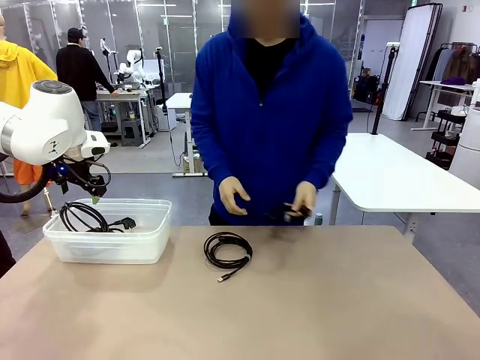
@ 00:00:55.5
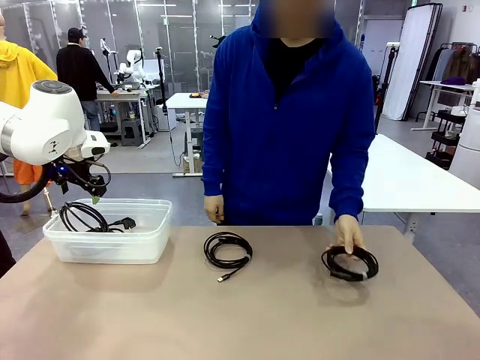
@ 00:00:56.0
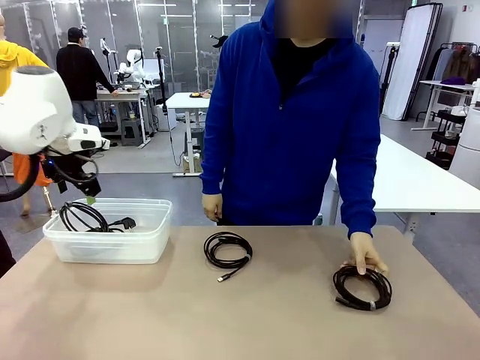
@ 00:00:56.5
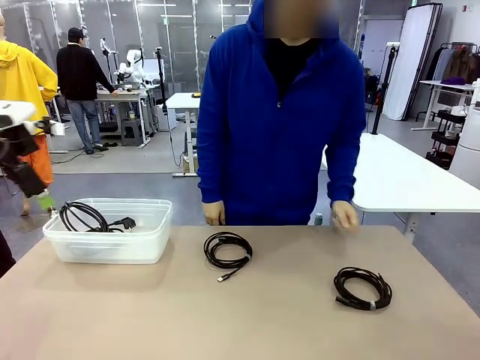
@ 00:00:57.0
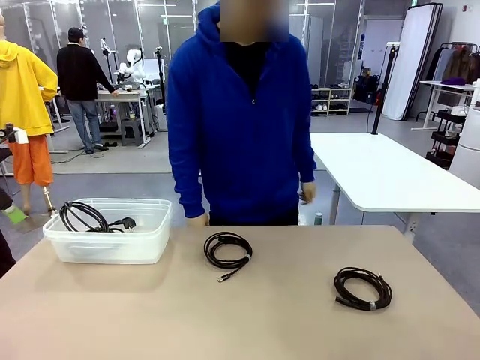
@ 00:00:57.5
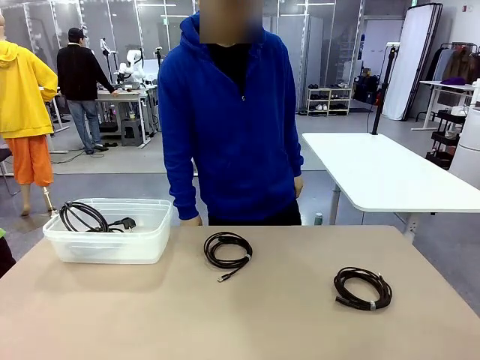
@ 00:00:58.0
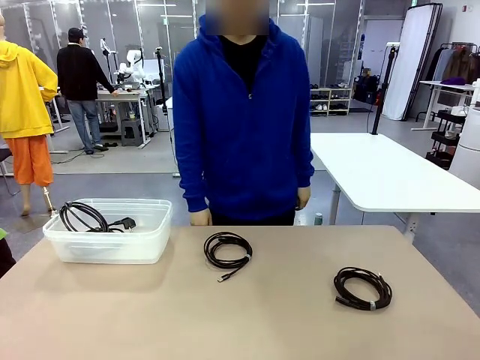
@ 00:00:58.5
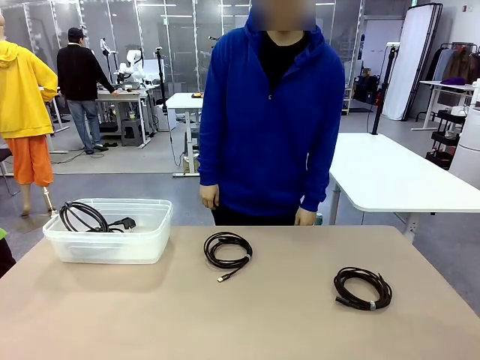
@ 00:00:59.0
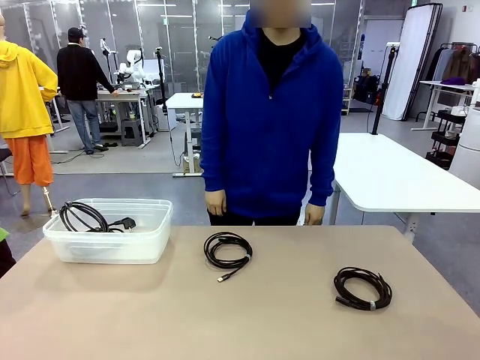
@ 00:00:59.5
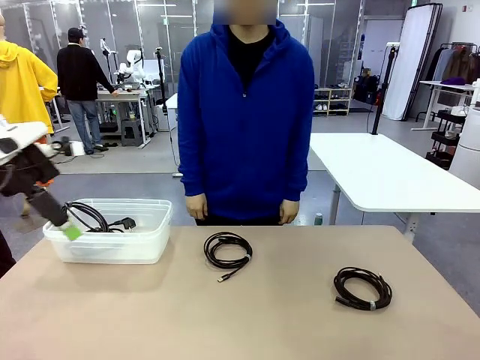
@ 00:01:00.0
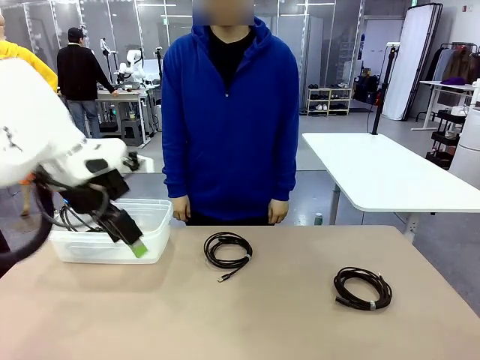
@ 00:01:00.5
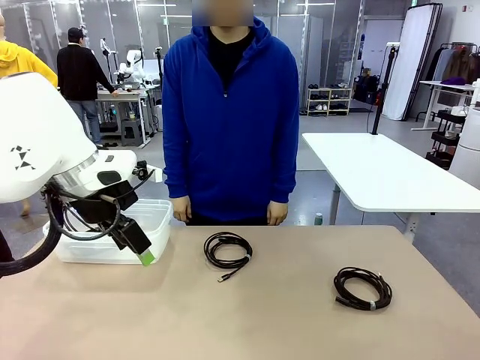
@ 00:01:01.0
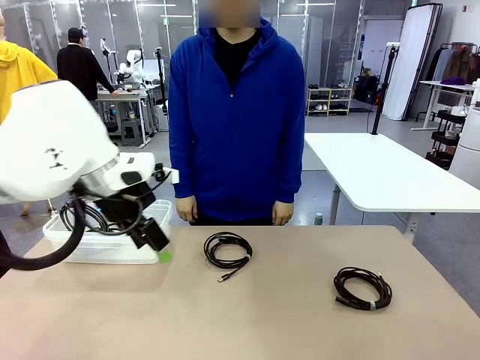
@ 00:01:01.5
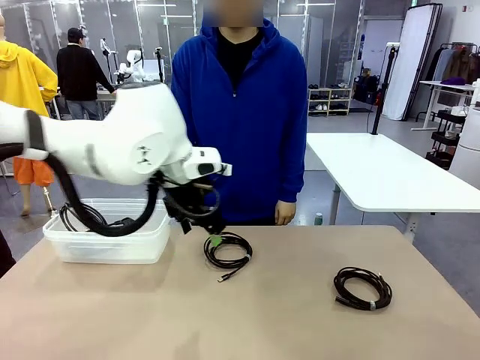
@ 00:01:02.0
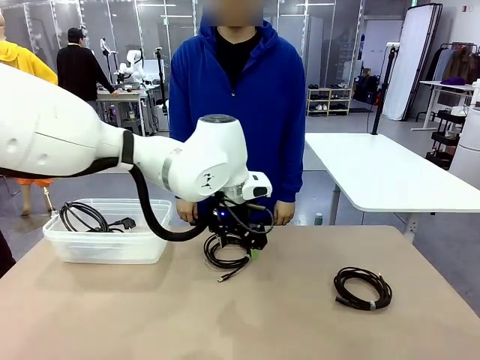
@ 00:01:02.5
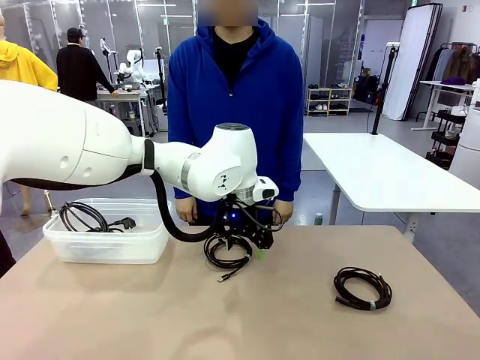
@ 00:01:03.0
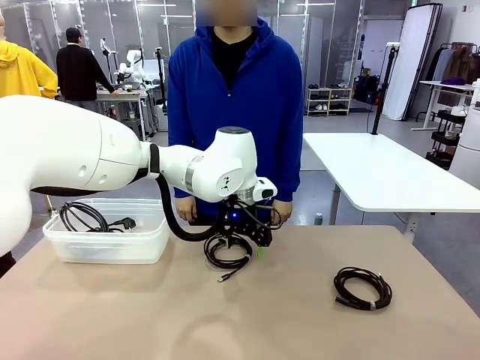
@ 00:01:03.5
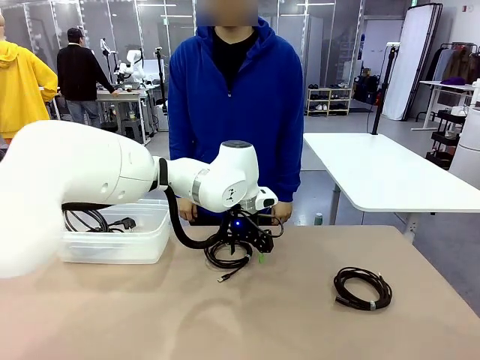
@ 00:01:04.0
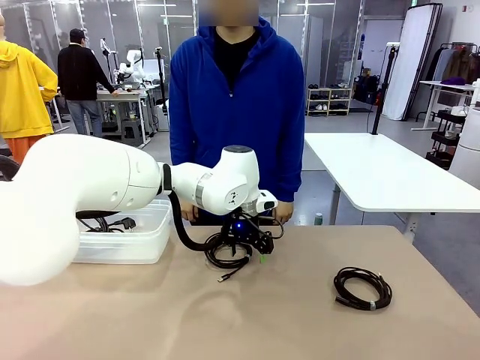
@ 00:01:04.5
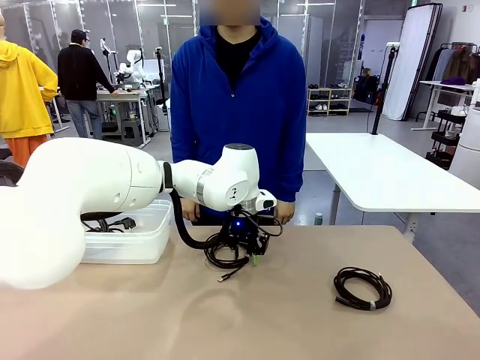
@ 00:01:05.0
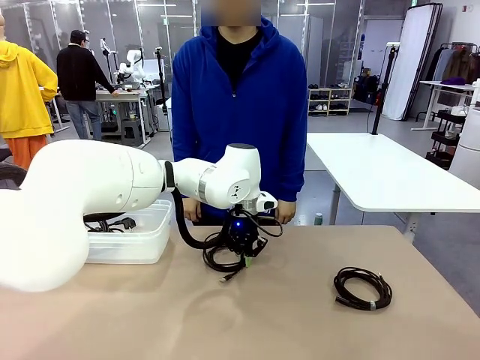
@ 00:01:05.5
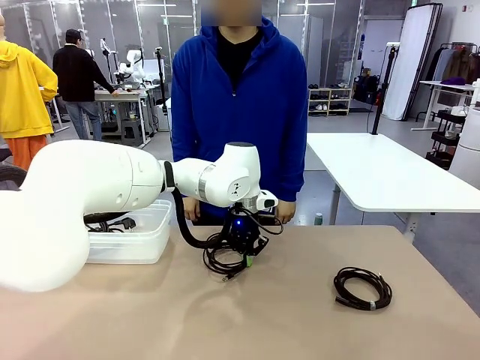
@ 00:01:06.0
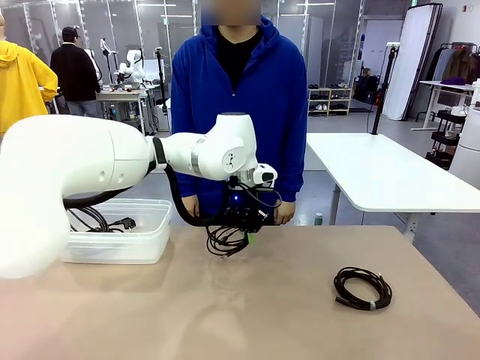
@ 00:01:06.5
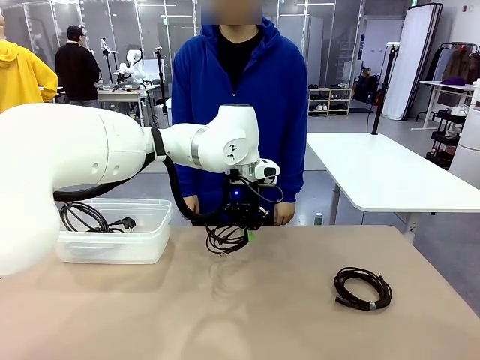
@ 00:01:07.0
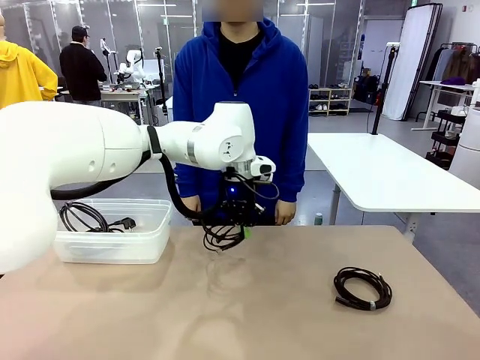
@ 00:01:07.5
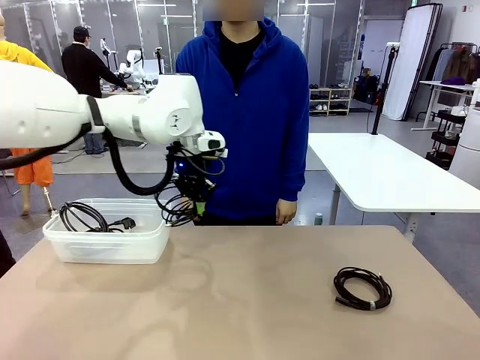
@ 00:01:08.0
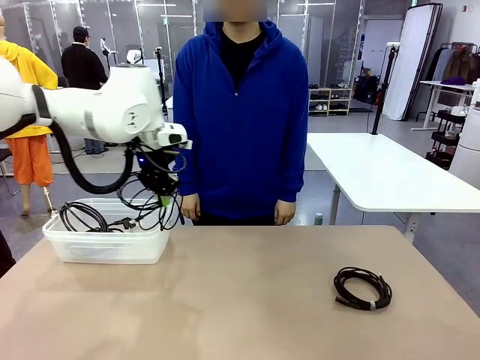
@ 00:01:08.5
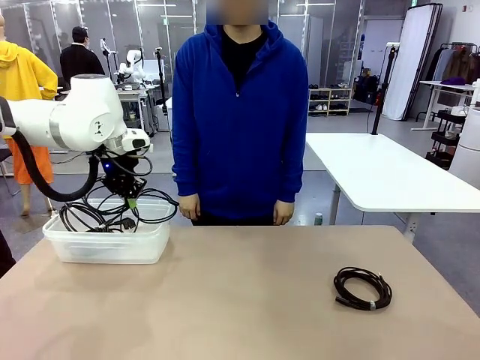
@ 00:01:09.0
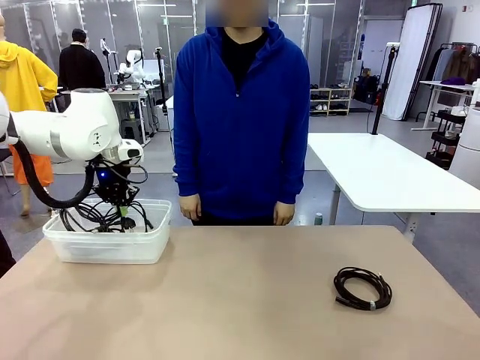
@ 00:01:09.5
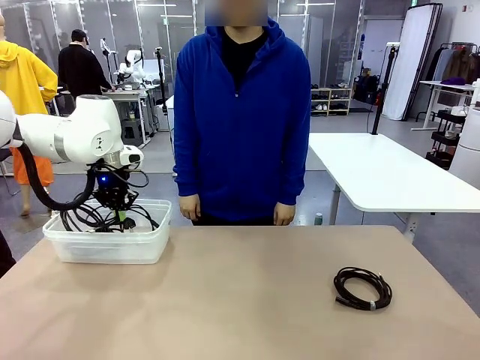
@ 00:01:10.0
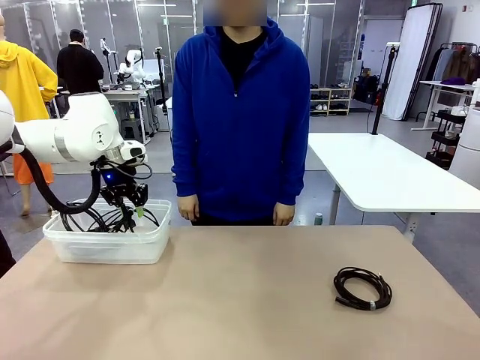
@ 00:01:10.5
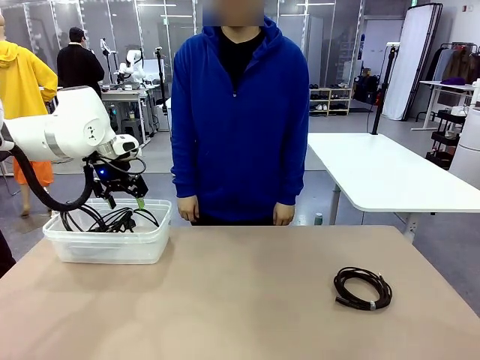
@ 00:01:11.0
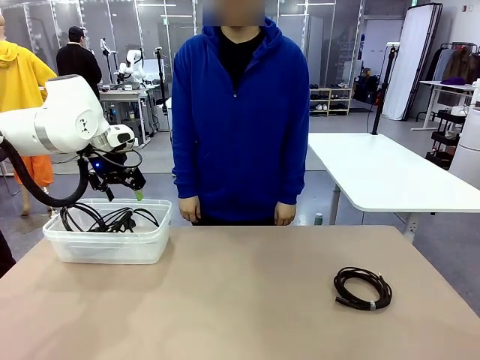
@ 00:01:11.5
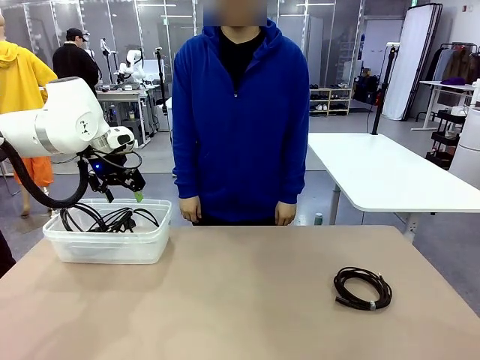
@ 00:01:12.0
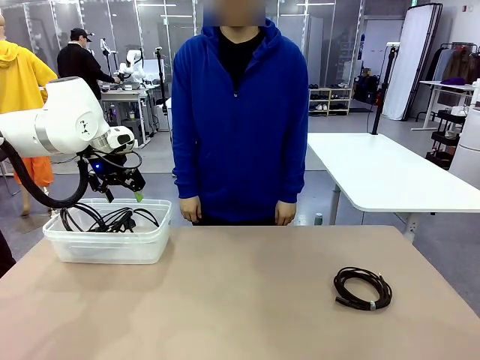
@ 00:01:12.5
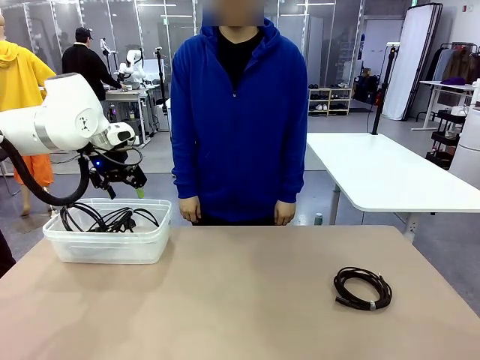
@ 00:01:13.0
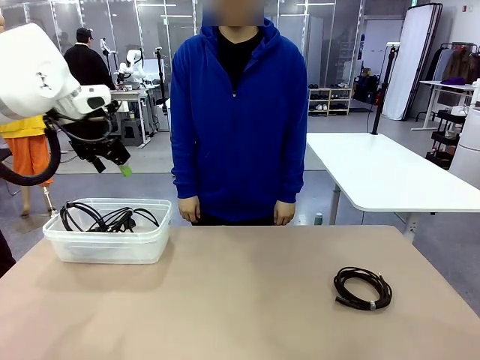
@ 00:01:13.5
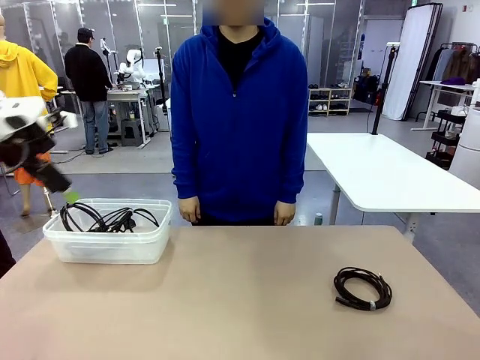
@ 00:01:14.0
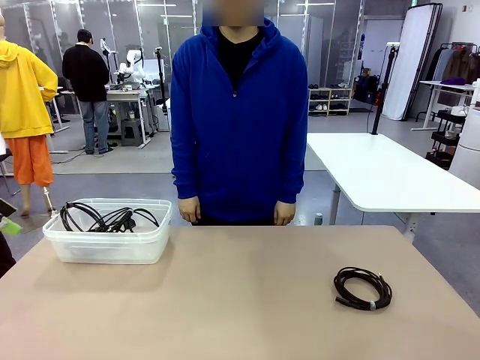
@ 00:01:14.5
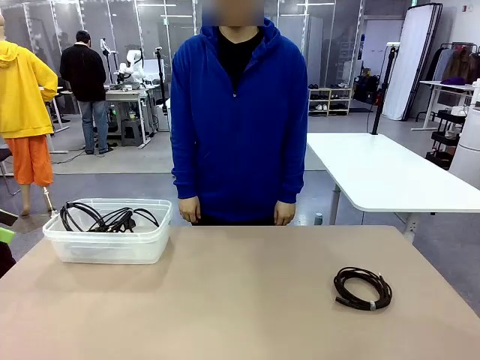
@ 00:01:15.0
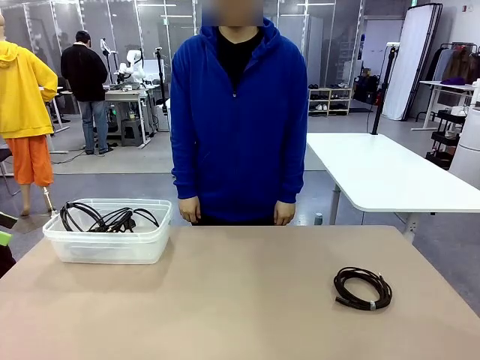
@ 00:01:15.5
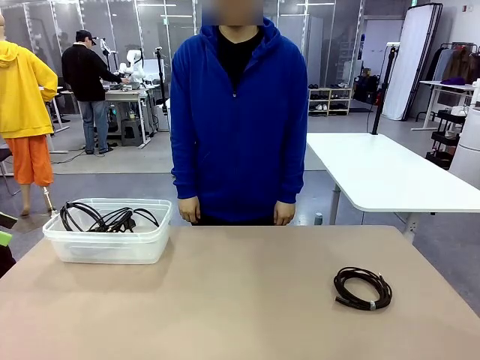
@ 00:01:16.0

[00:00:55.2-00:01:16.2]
Task: Organize and store the cables.
Robot: Place the USB Extension Cable into the Organizing box.

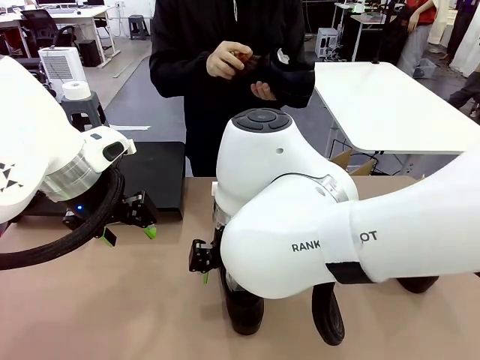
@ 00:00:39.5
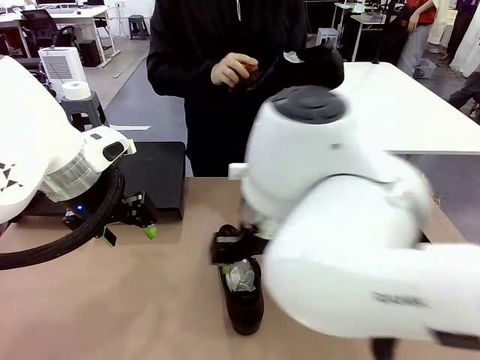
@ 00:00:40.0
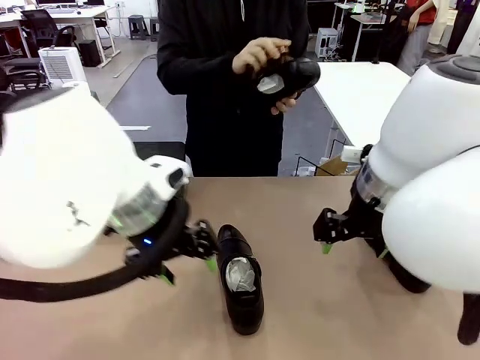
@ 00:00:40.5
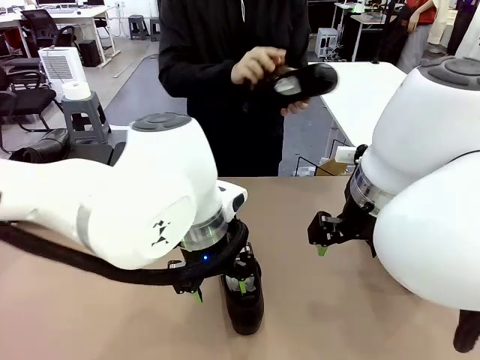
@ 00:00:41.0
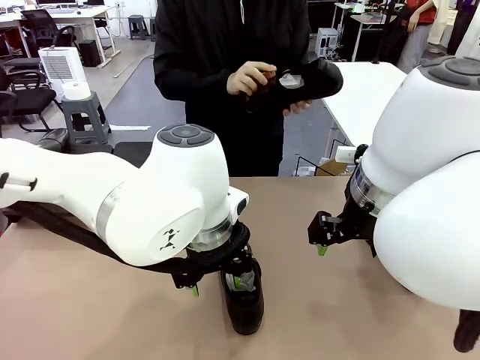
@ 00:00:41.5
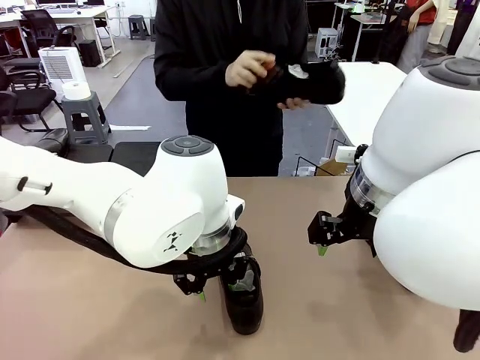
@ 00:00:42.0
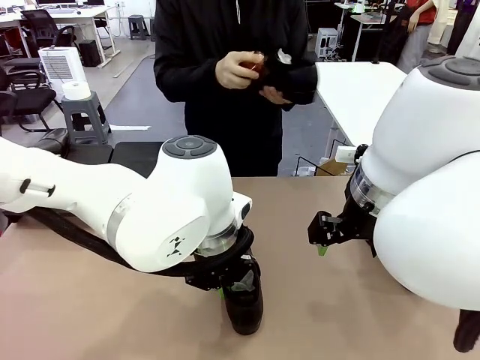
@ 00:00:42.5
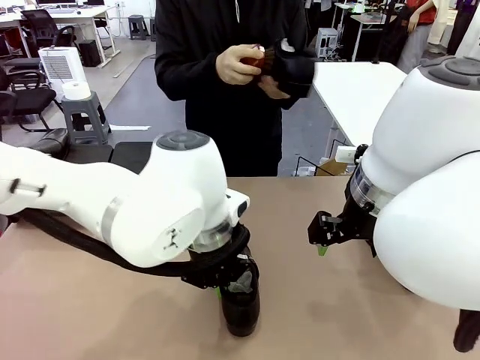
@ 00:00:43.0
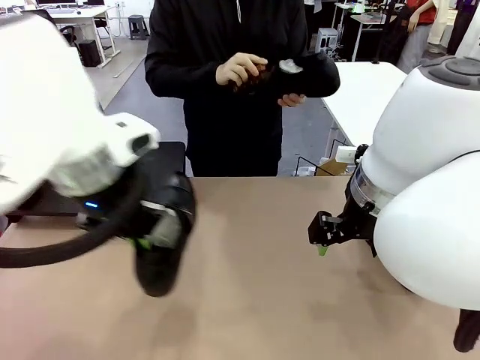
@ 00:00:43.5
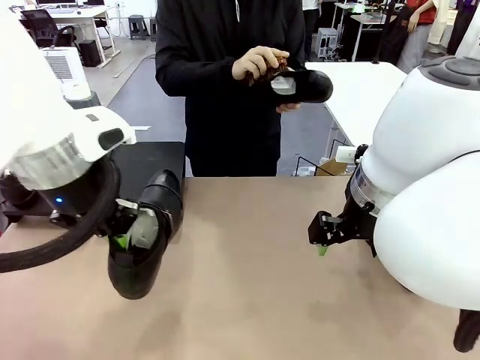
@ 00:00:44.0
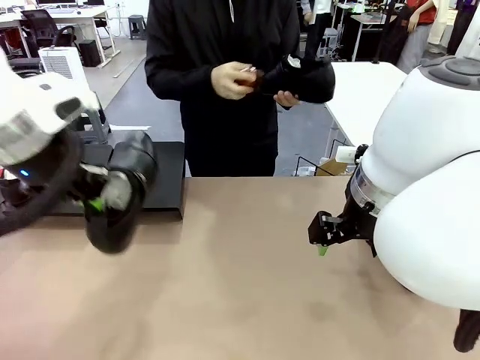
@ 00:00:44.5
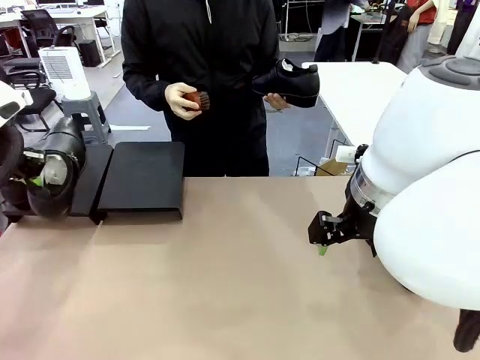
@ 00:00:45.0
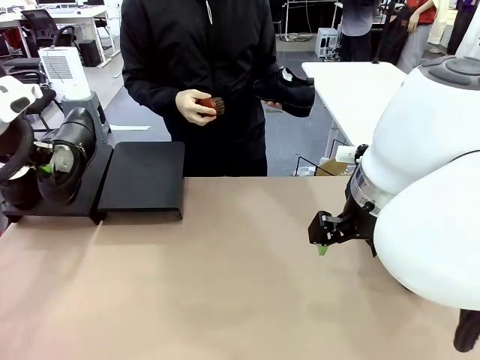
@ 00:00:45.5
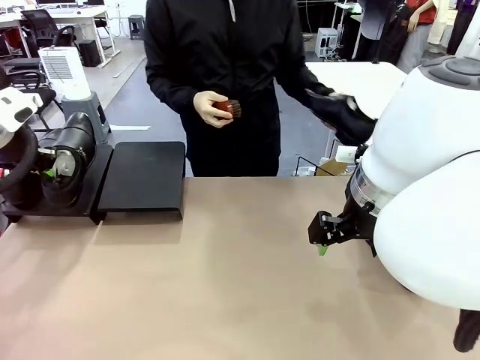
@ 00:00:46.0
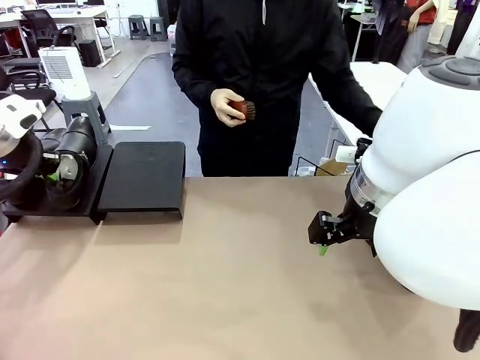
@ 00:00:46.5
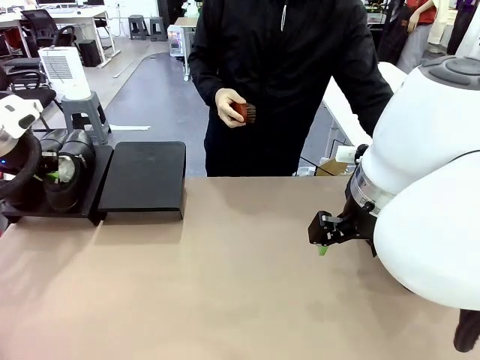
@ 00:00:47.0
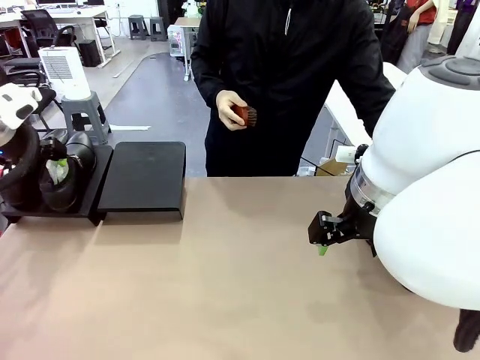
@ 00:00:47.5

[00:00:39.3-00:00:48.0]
Task: Organize the shoes by placing them on the stand.
Robot: Place the Shoe from the middle of the table onto the Shoes Stand.
